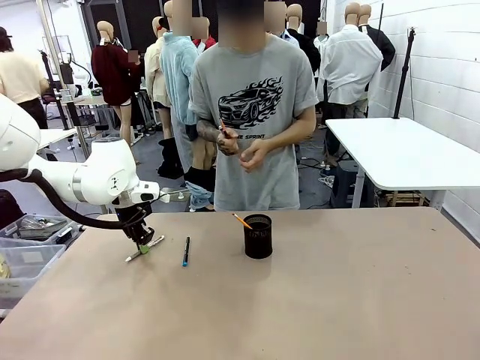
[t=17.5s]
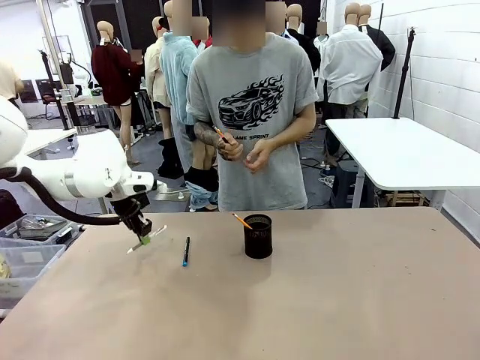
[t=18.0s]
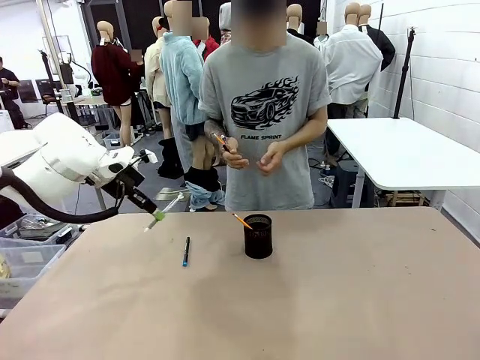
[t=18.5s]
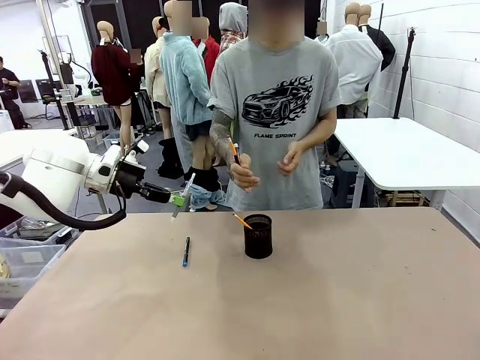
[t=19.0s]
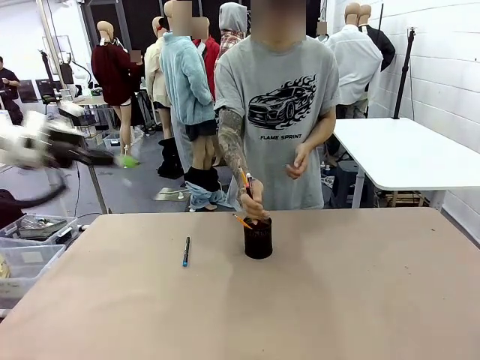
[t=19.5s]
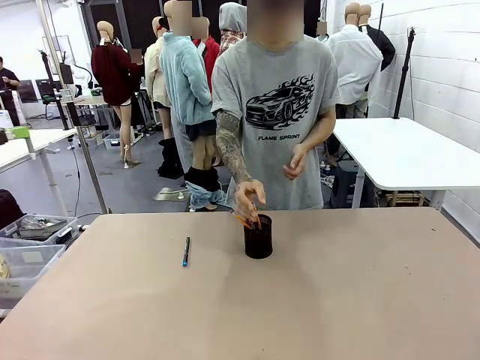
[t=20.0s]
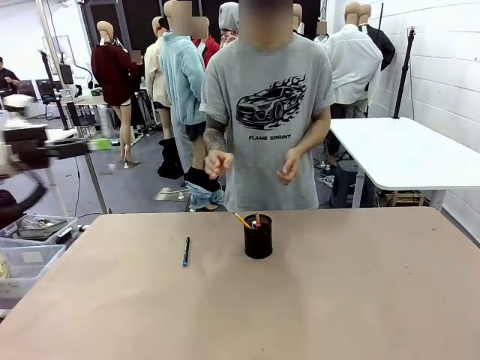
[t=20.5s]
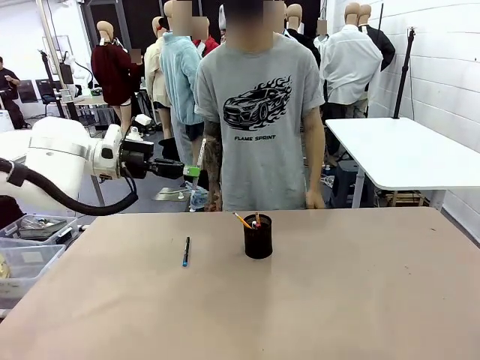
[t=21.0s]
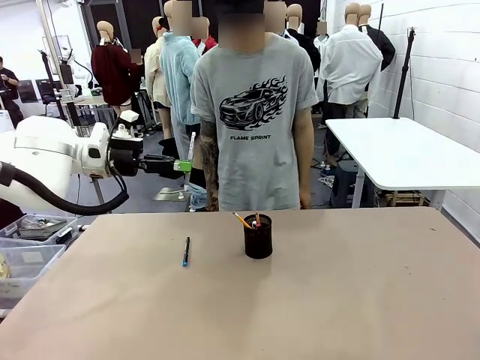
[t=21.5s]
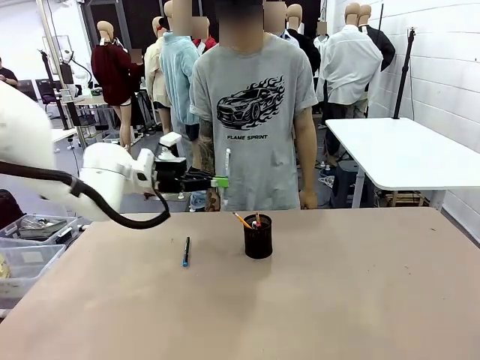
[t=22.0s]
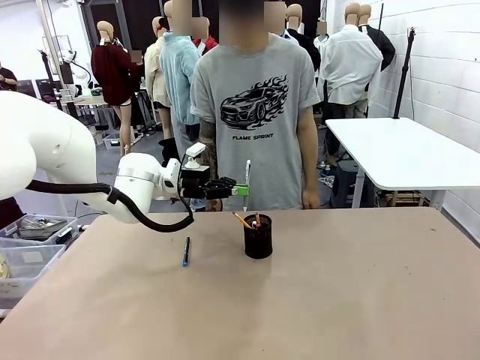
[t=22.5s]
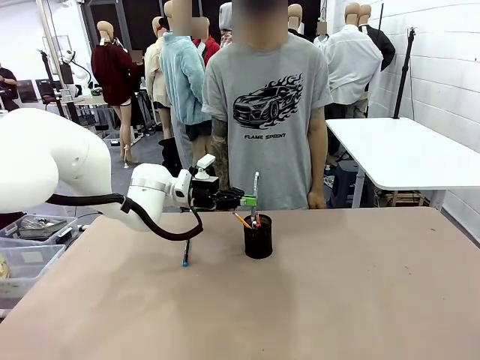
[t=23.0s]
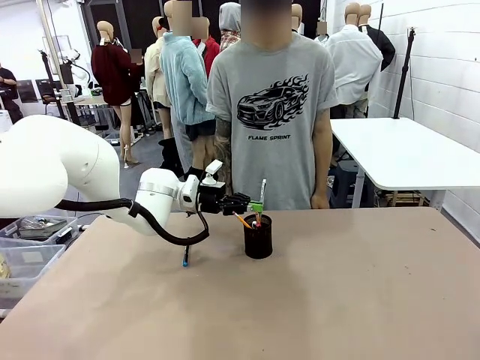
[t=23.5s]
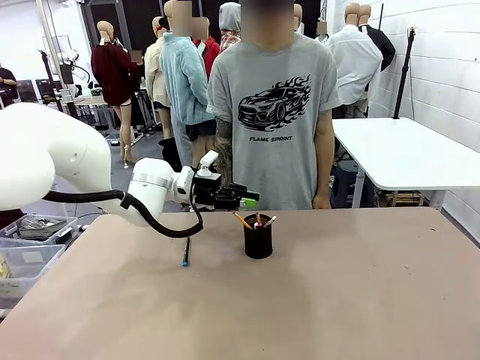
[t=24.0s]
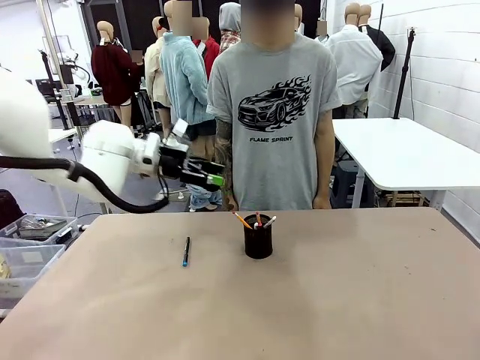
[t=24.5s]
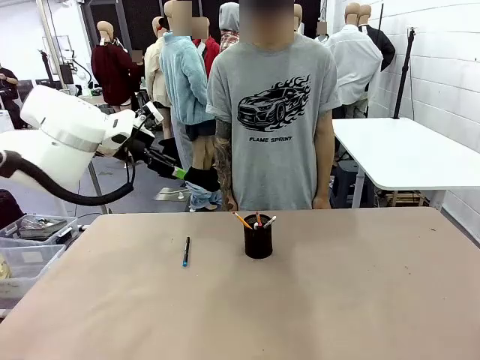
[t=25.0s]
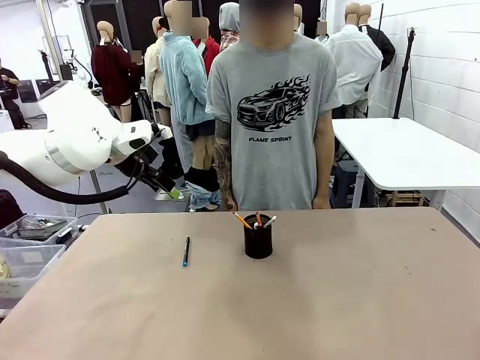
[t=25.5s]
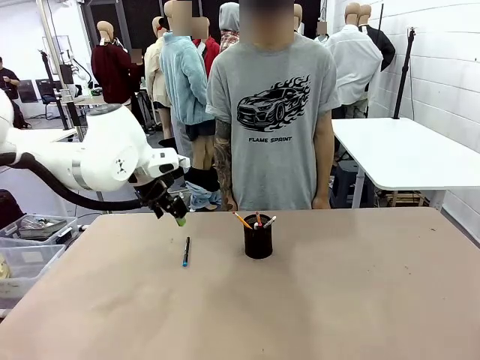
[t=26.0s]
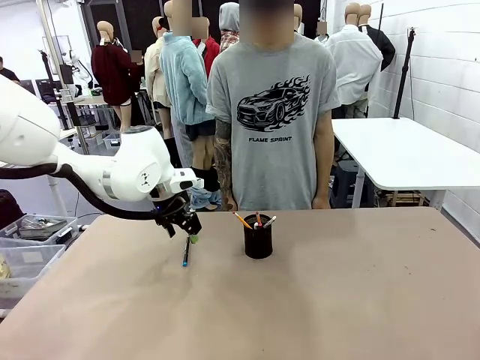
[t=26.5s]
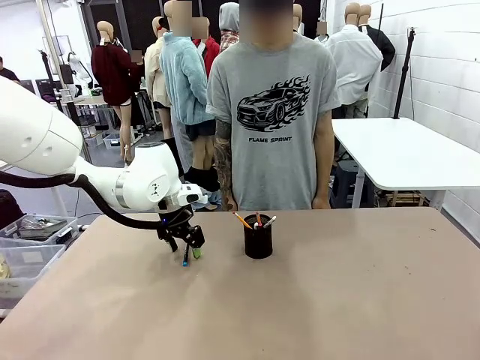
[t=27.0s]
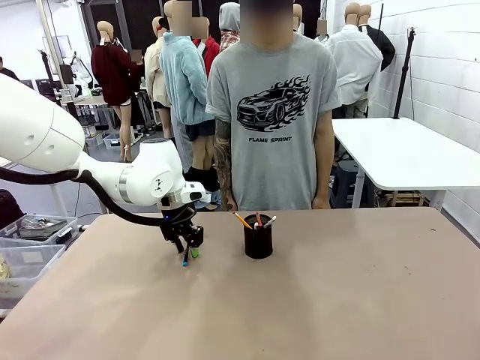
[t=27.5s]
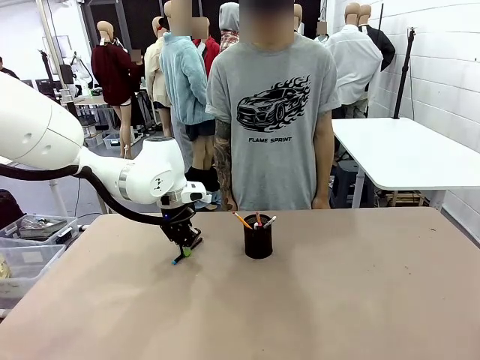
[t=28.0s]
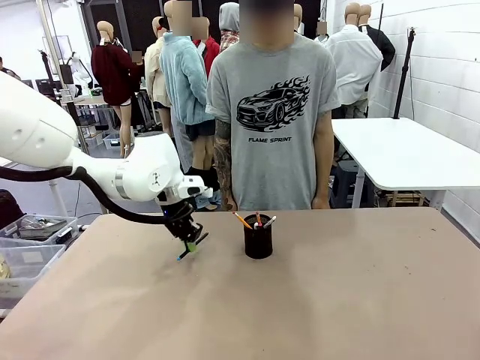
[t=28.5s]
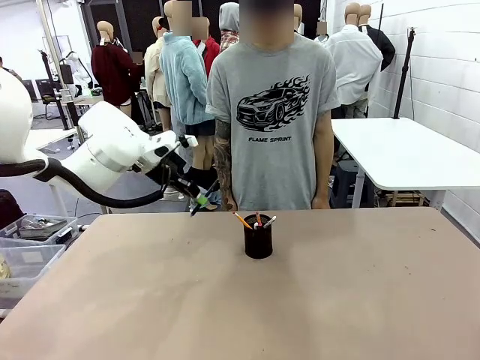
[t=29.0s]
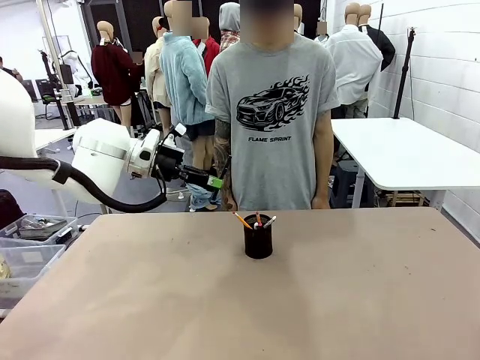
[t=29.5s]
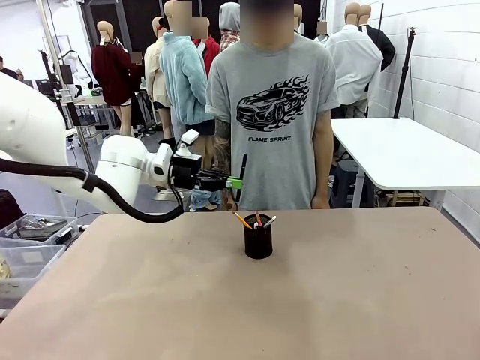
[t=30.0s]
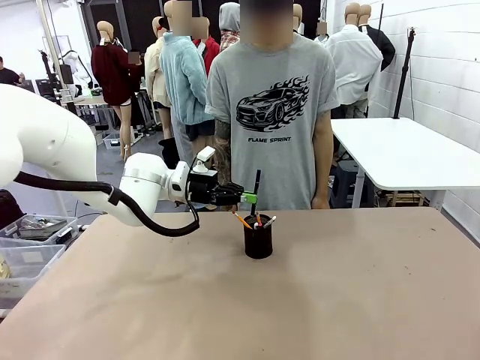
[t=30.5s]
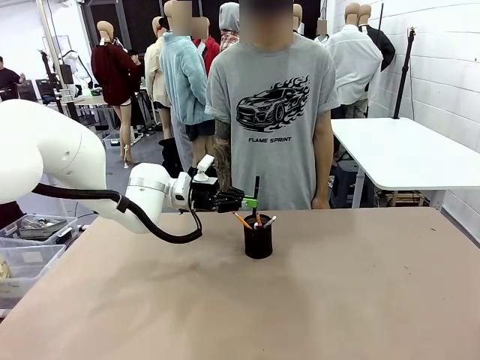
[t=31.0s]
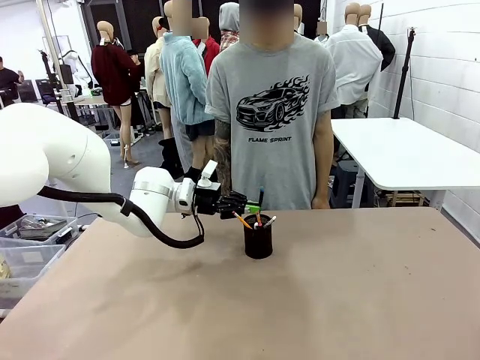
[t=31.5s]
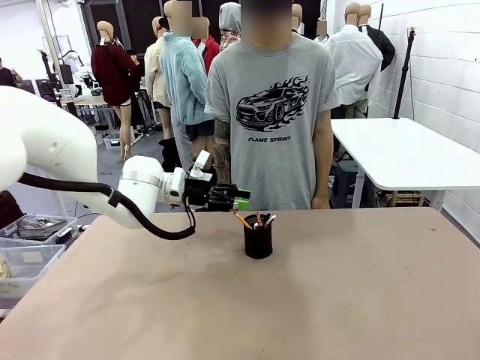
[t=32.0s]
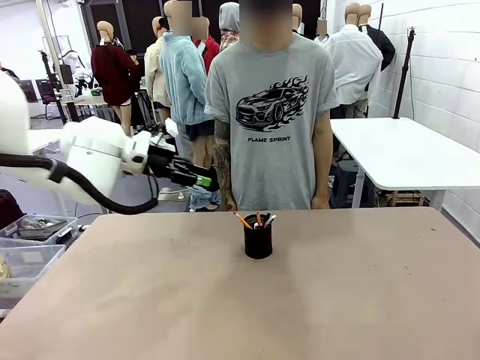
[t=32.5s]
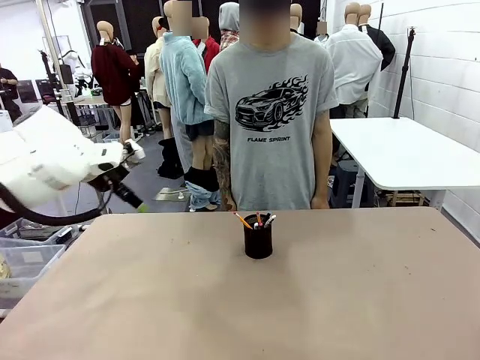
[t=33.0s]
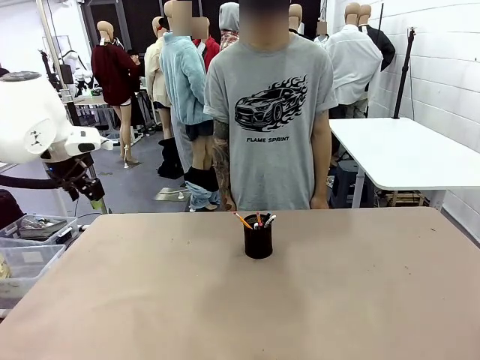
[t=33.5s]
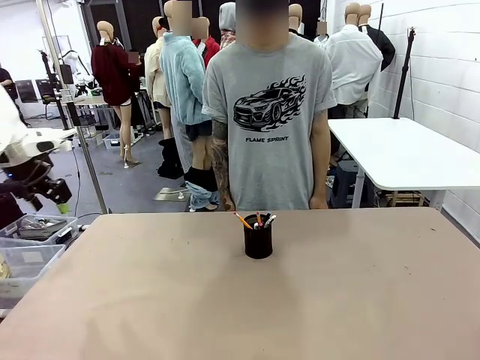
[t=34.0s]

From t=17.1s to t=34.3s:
Task: Place the pens into the pen holder.
Robot: Pick up a writing instrument from the table and place it into the Pen holder.
Person: Place all writing instrument into the Pen holder.
